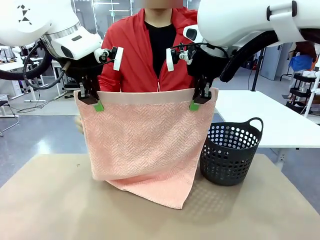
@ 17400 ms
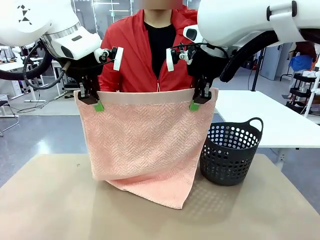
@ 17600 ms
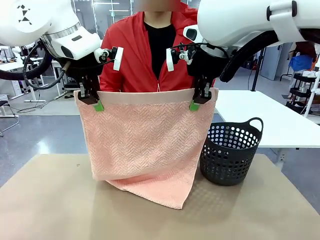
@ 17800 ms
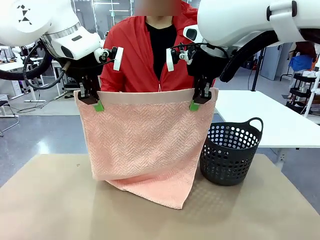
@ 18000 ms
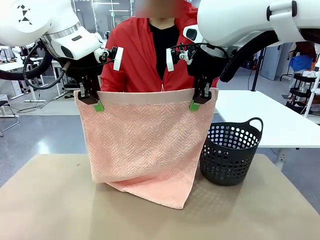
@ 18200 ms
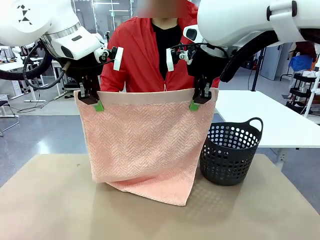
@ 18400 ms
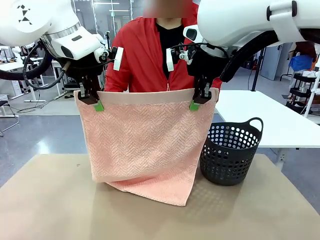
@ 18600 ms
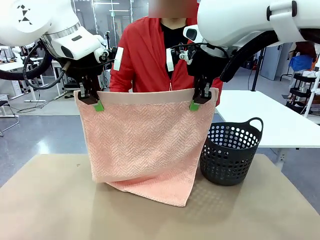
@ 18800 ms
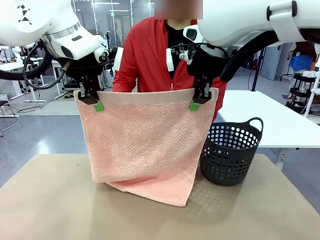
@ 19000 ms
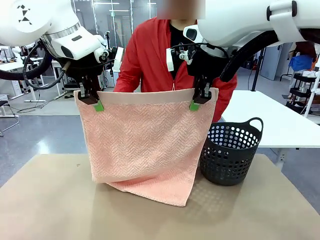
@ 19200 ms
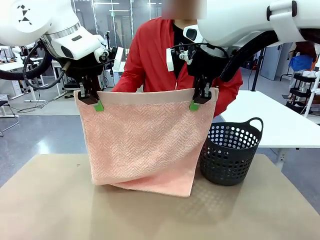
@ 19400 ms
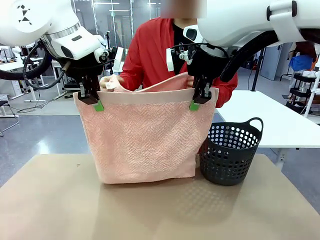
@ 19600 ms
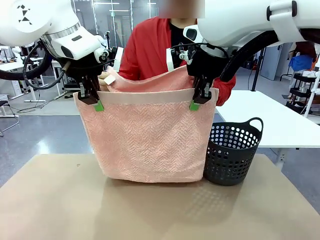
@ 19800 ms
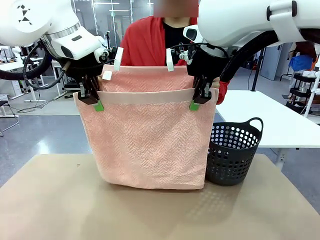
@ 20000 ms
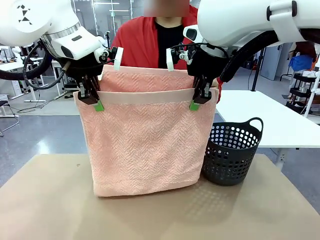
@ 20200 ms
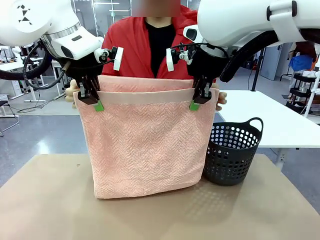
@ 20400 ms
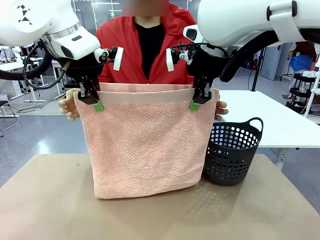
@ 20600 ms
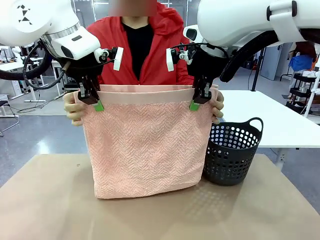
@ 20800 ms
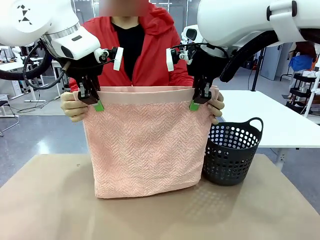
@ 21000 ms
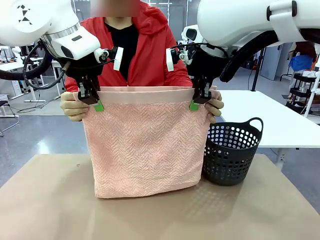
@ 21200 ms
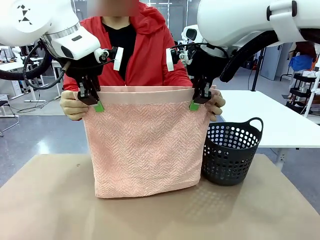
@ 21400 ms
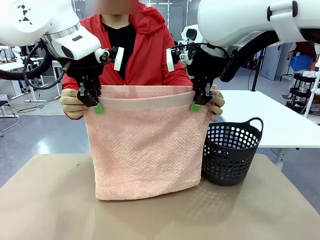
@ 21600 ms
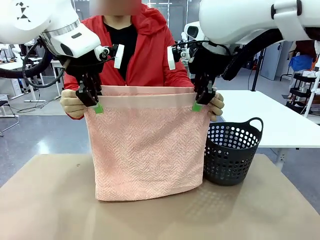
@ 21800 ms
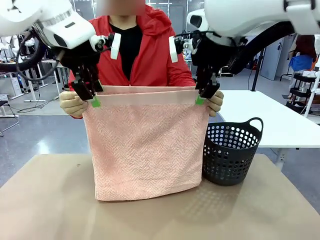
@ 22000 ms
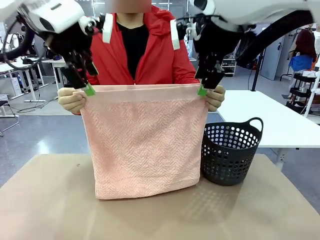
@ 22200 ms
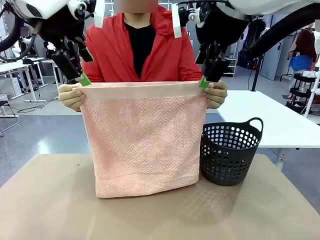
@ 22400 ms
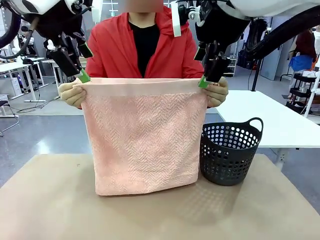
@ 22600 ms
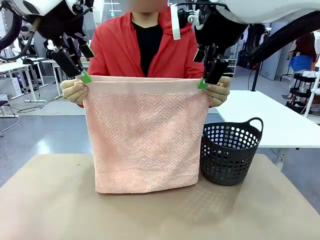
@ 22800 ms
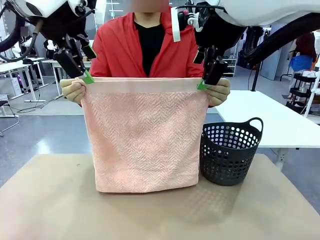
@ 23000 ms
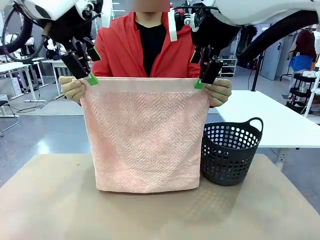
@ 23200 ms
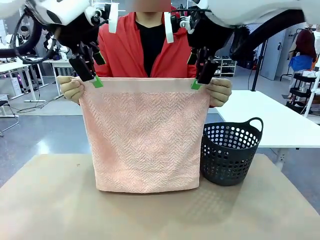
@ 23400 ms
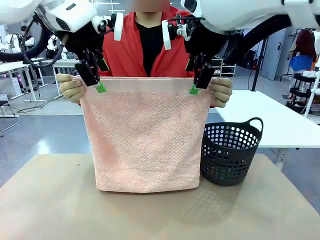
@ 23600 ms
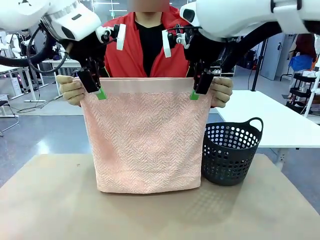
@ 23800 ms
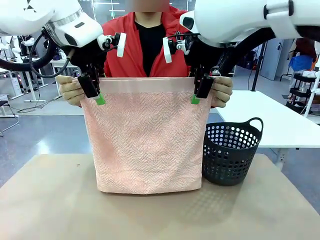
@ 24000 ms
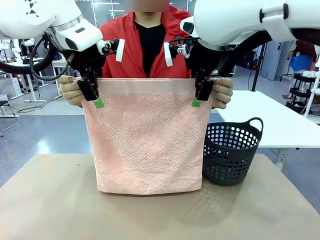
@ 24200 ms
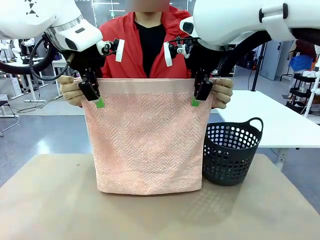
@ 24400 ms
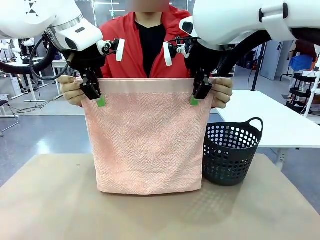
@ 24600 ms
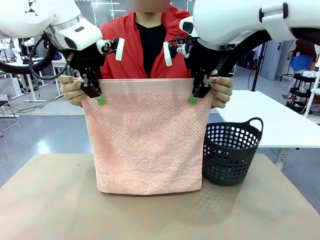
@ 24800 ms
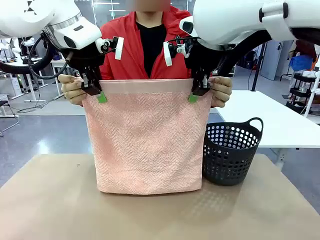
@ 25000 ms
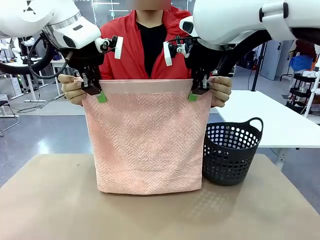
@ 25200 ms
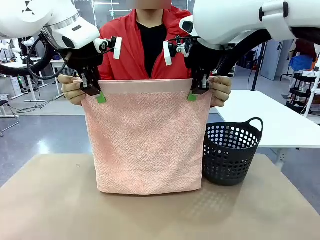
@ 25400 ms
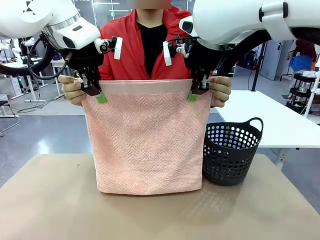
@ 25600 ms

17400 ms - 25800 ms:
Task: Fold the towel.
Robot: Release the end of the 100 cm Hotel Towel you were holding and grab the top end of the folded side.

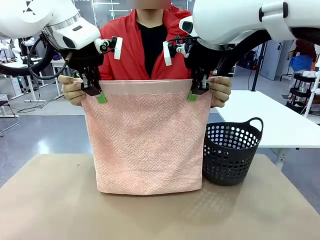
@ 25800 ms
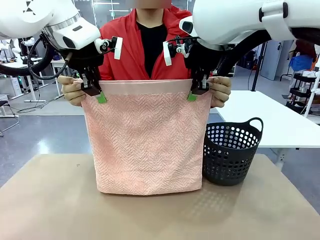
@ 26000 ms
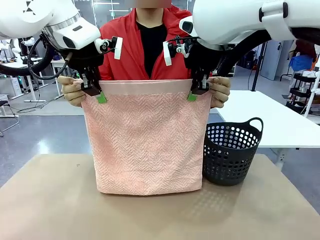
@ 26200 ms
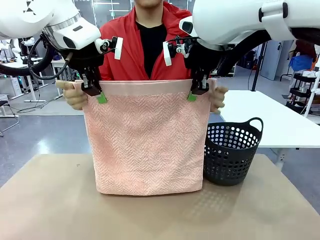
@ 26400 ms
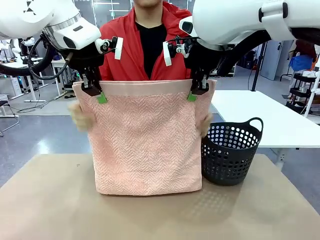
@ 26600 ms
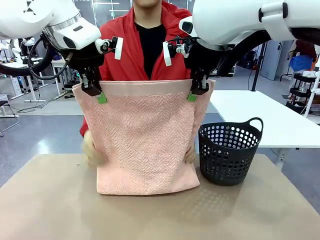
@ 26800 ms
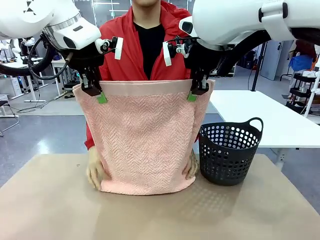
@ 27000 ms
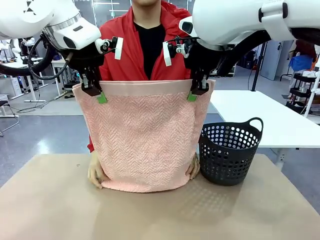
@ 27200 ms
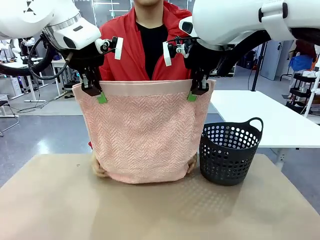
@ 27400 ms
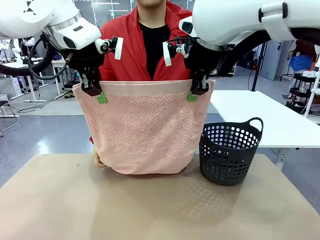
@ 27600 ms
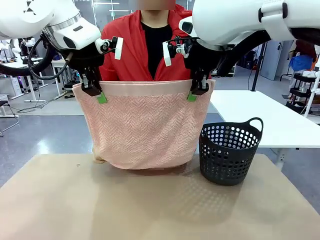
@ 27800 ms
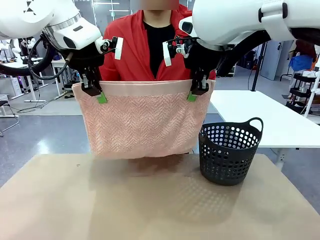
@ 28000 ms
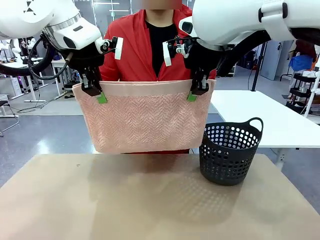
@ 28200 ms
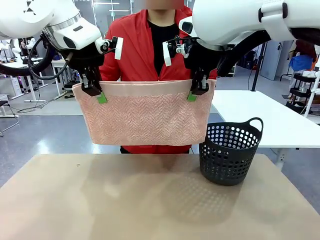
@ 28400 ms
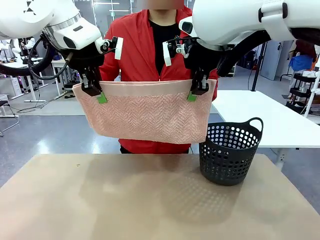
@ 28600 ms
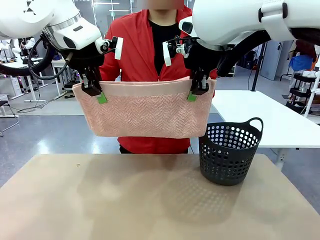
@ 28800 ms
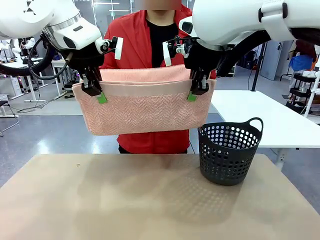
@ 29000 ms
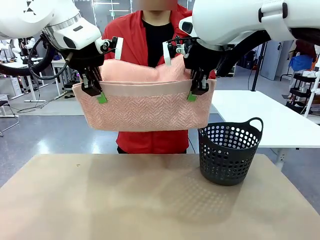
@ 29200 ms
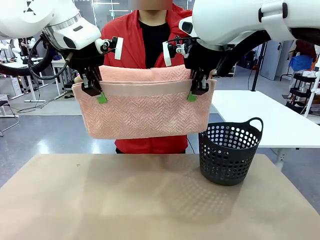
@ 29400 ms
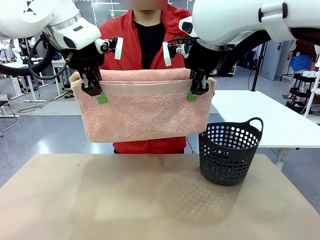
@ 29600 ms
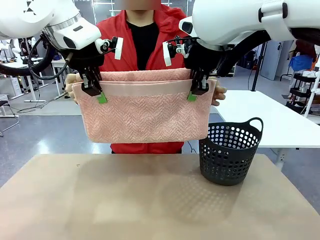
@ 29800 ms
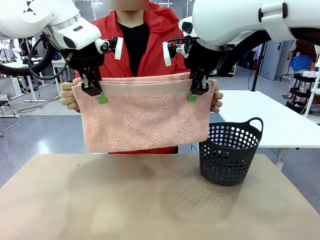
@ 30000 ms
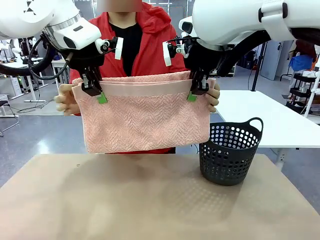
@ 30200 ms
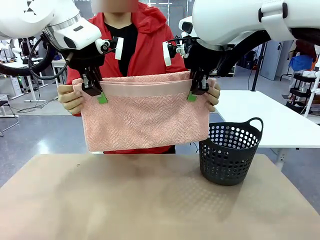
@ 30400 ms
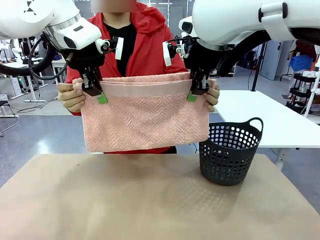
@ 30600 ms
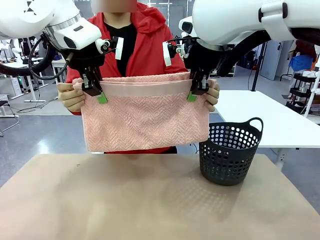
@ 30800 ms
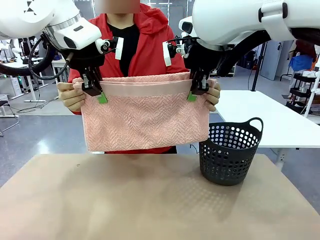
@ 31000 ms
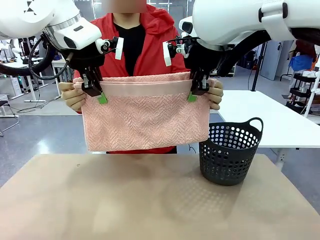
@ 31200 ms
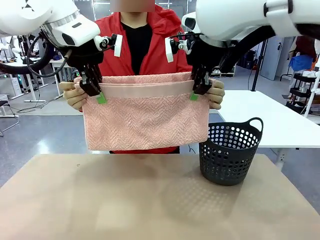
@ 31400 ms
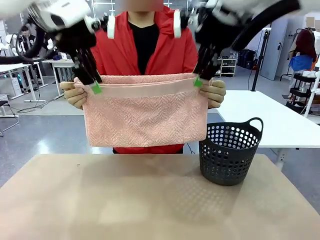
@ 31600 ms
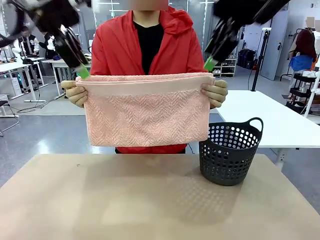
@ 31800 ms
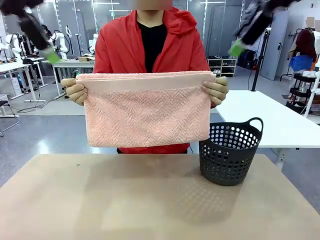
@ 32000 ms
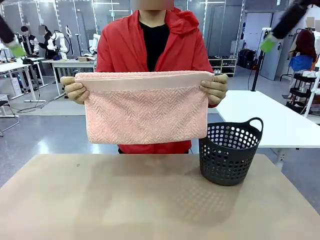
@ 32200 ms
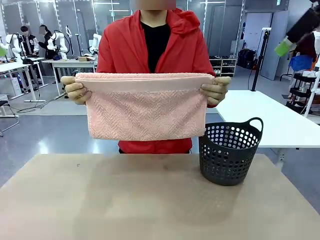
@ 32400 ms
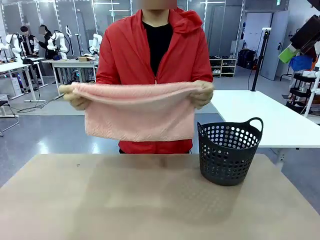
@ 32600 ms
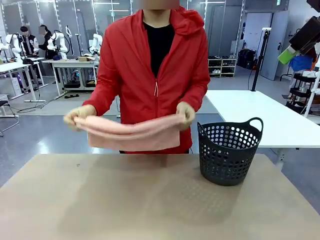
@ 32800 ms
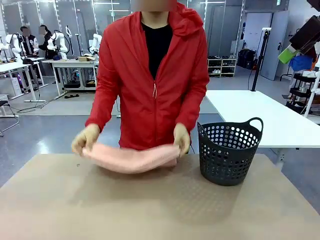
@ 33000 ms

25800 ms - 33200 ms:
Robot: Release the end of the 100 cm Hotel Towel you were holding.
